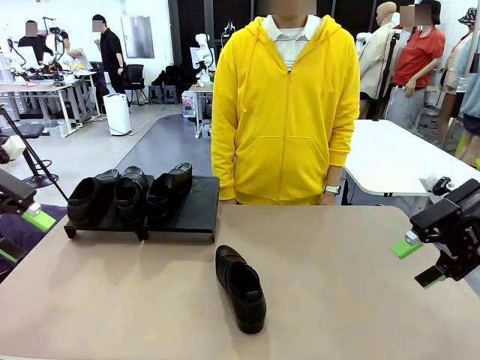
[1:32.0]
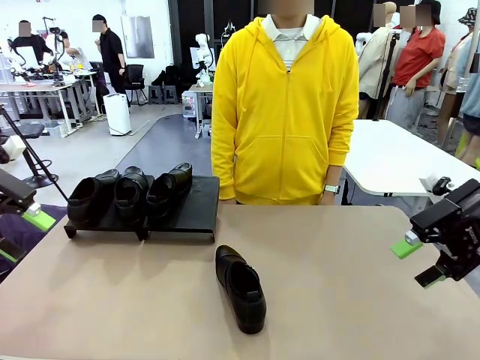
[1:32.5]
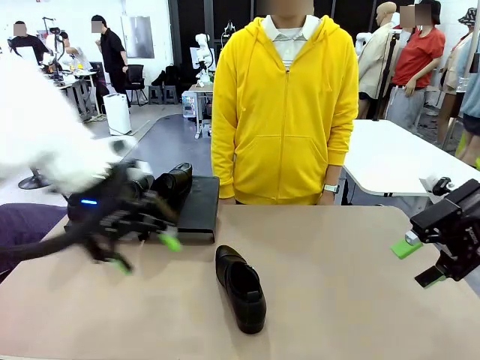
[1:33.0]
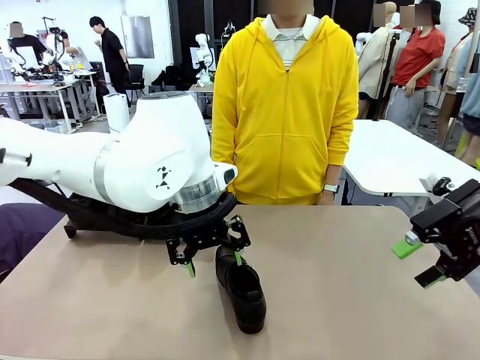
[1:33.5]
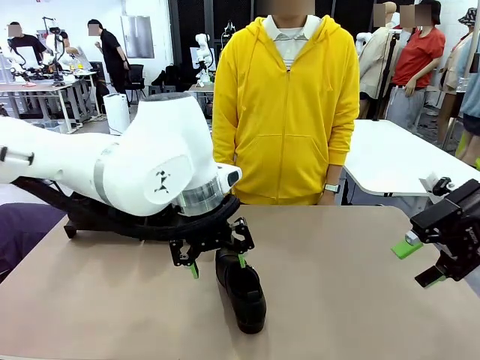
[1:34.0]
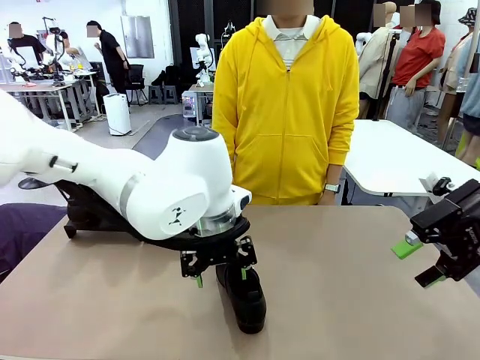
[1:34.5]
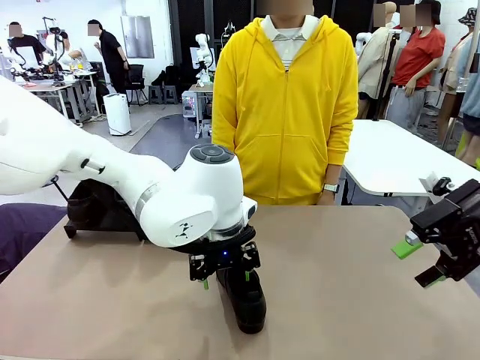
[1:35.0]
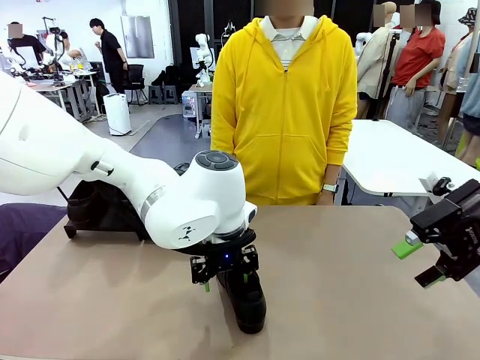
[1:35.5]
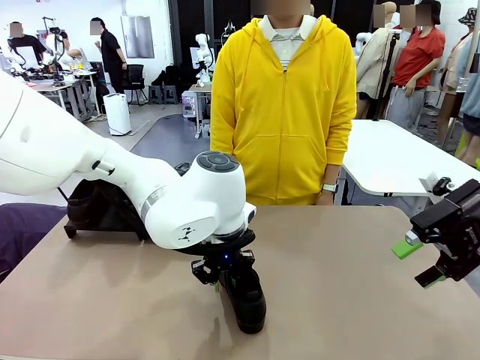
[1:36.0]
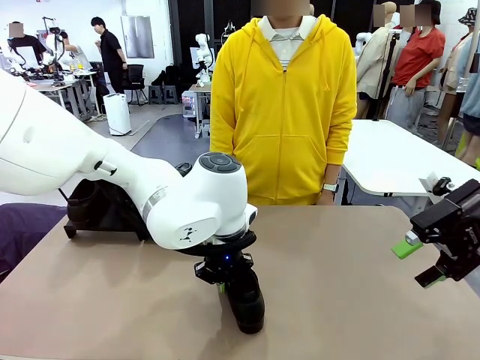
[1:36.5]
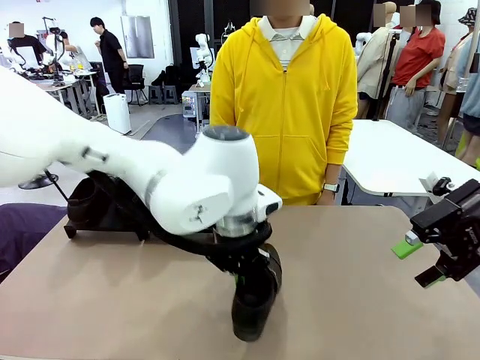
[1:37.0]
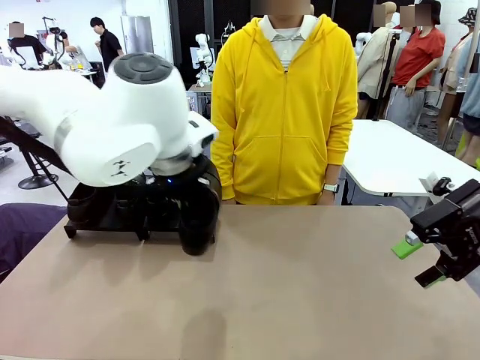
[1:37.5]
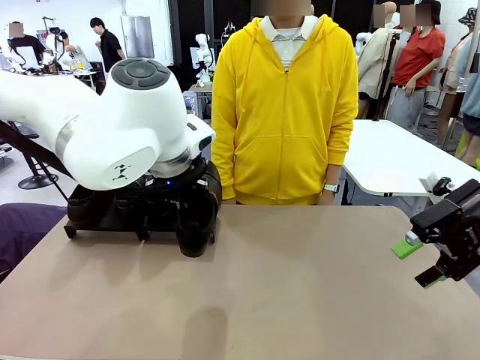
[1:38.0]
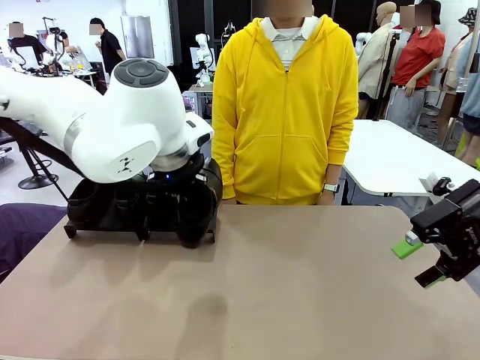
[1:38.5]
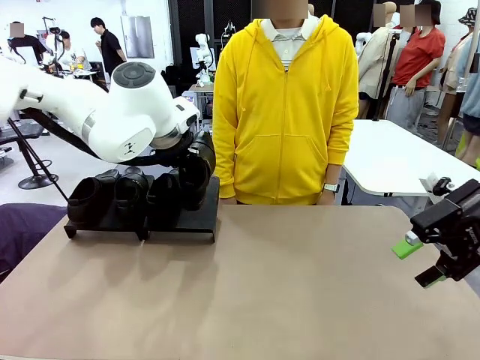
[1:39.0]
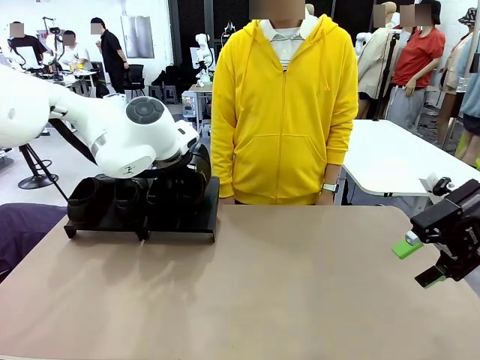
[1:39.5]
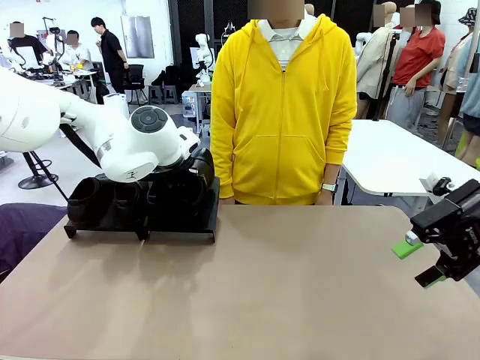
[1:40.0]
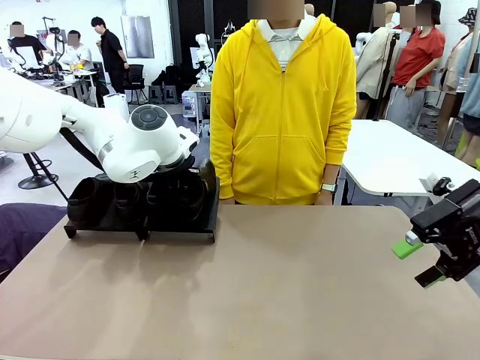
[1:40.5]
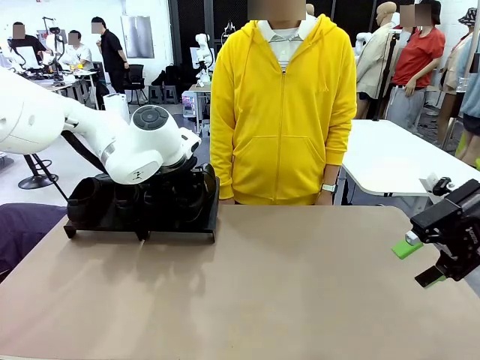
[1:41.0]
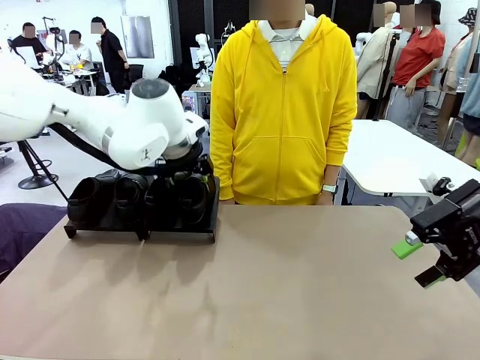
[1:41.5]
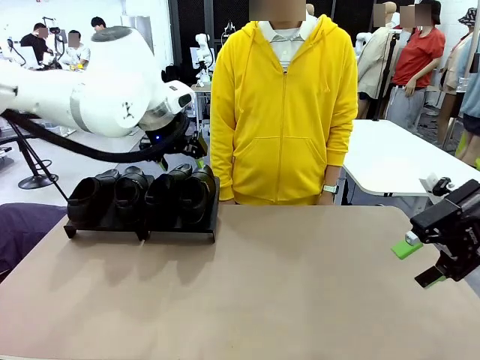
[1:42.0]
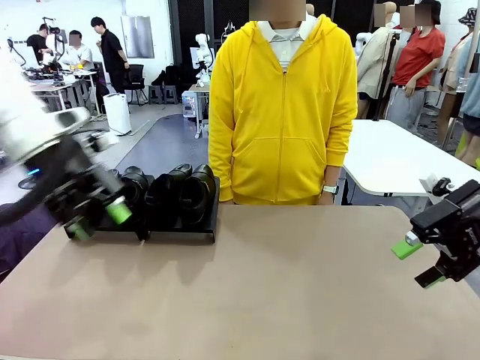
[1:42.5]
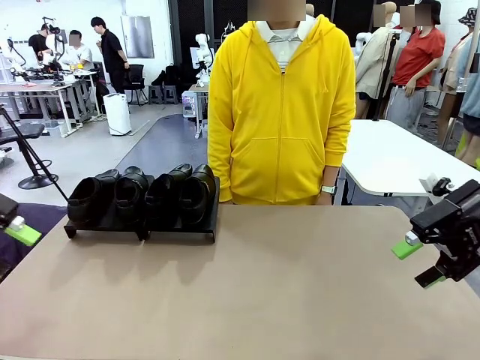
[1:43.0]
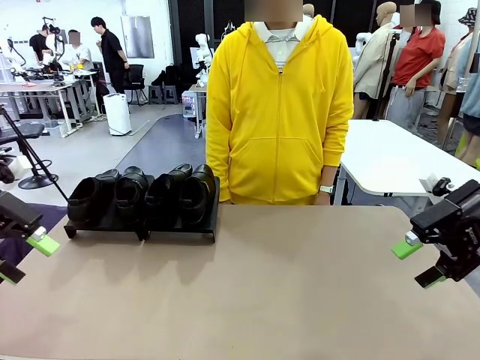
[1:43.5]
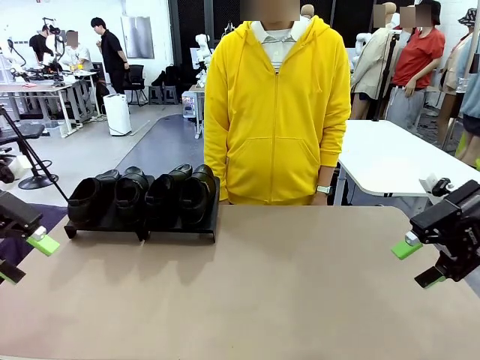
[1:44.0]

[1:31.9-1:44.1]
Task: Organize the shoes by placing them on the stand.
Robot: Place the Shoe from the middle of the table onto the Shoes Stand.

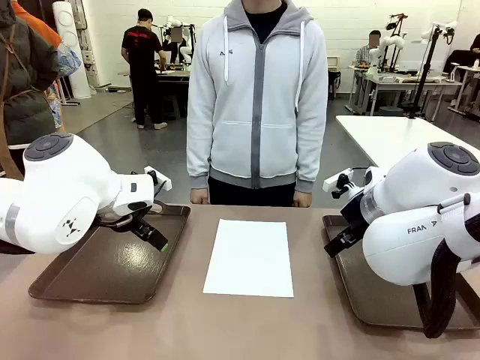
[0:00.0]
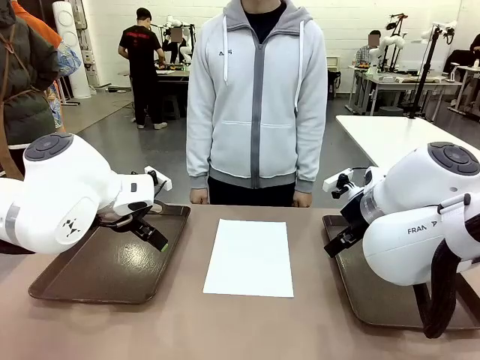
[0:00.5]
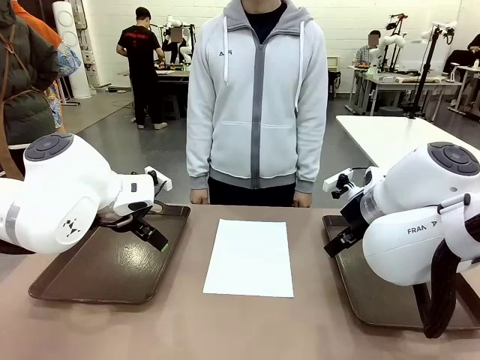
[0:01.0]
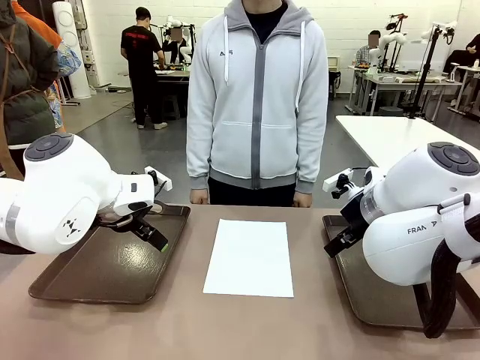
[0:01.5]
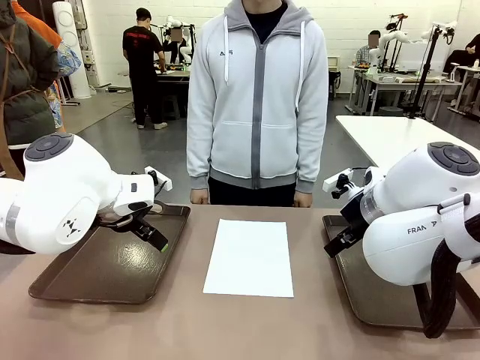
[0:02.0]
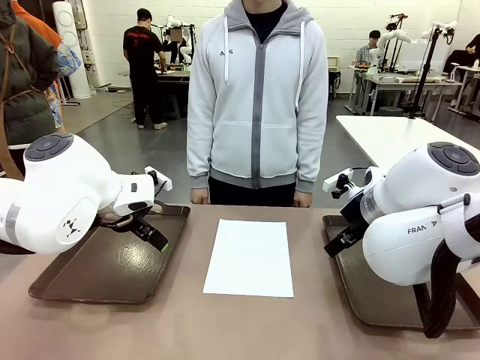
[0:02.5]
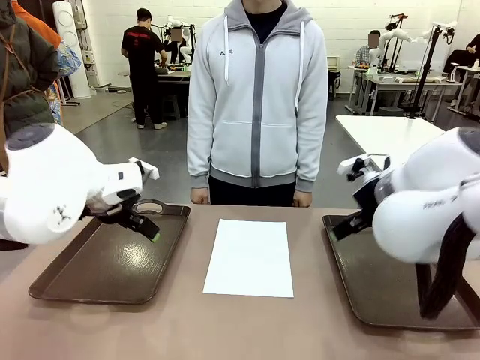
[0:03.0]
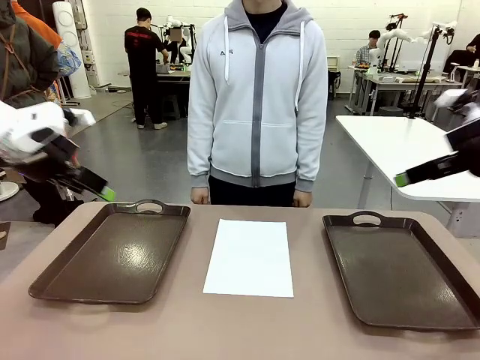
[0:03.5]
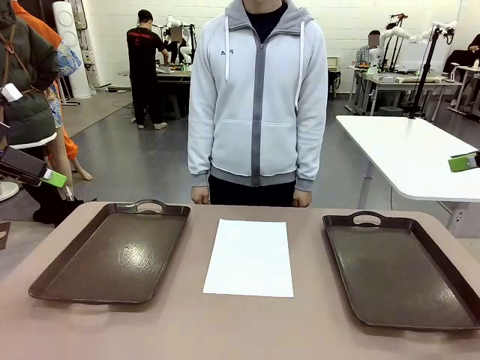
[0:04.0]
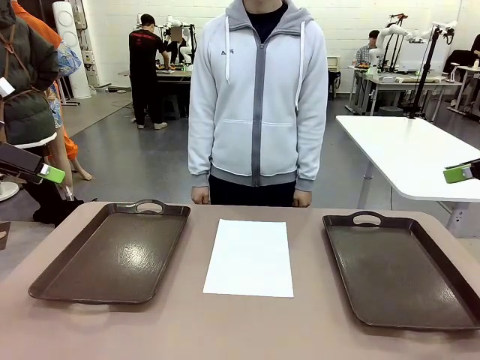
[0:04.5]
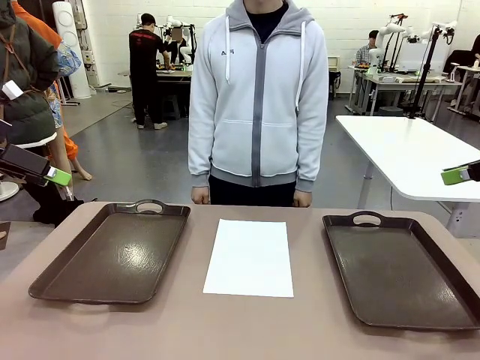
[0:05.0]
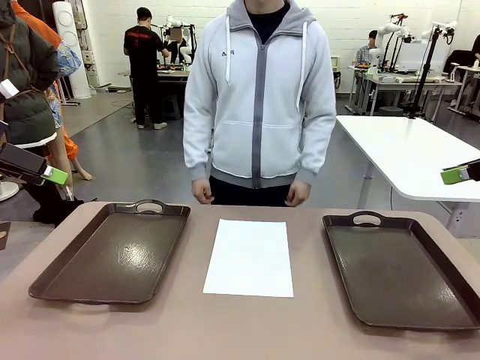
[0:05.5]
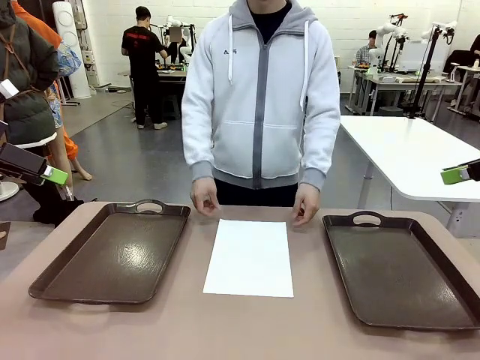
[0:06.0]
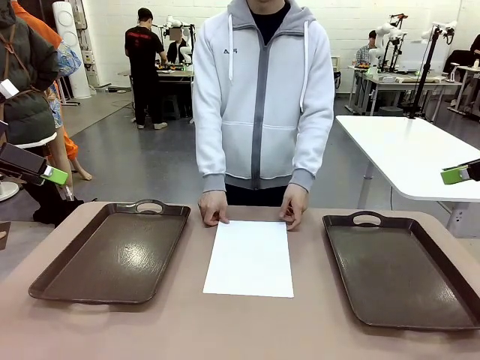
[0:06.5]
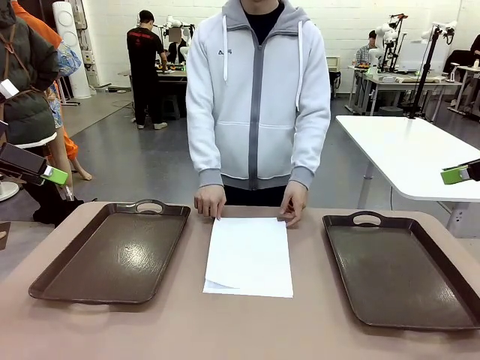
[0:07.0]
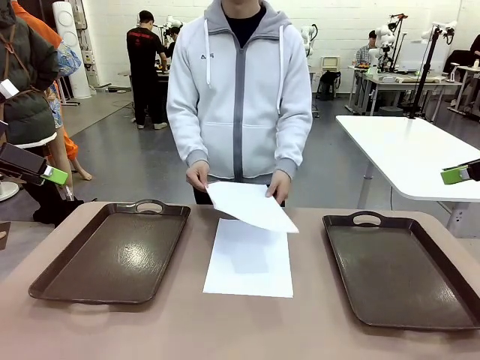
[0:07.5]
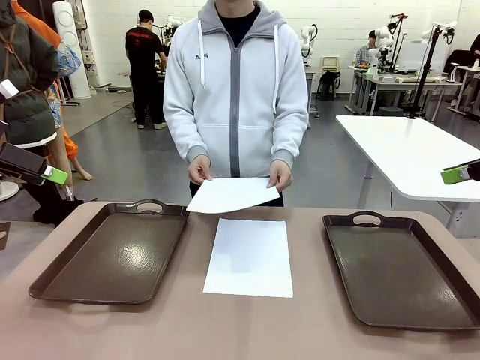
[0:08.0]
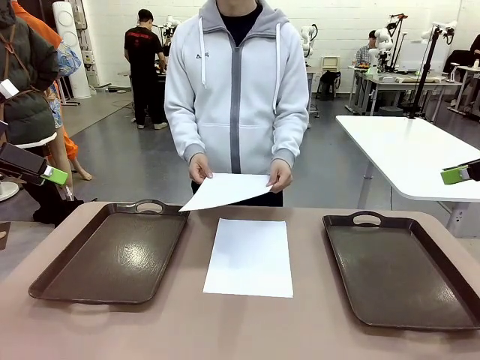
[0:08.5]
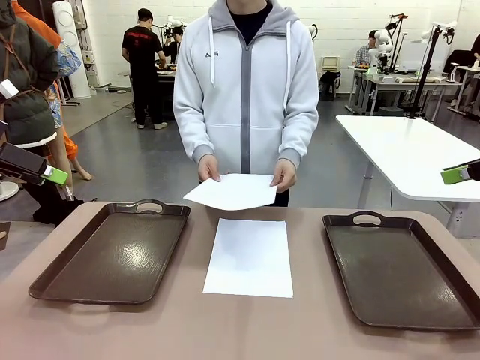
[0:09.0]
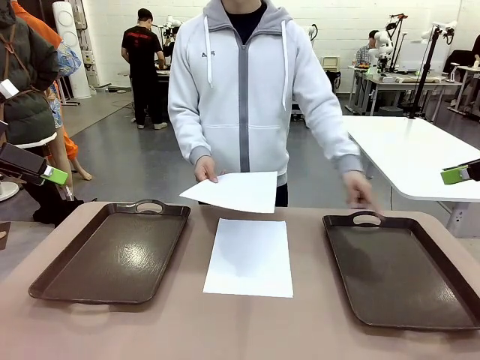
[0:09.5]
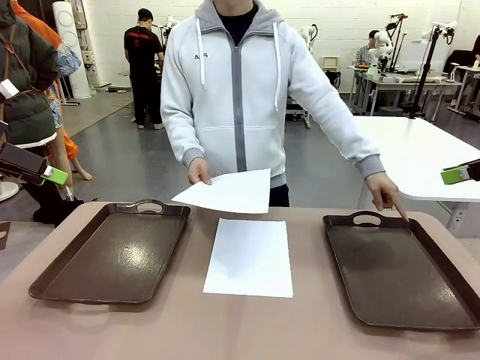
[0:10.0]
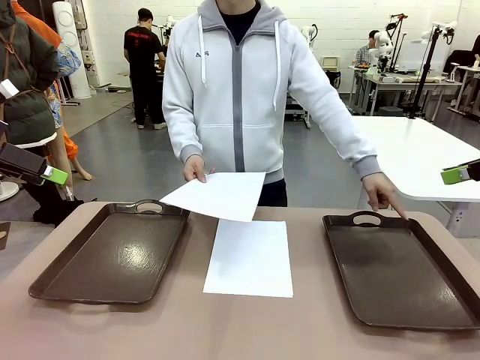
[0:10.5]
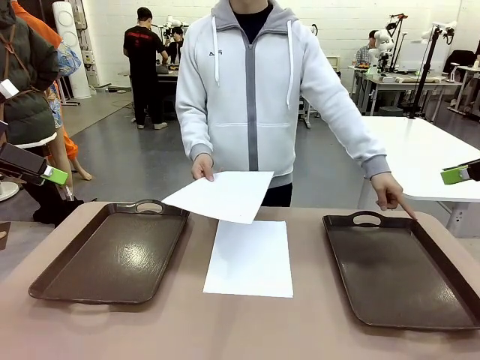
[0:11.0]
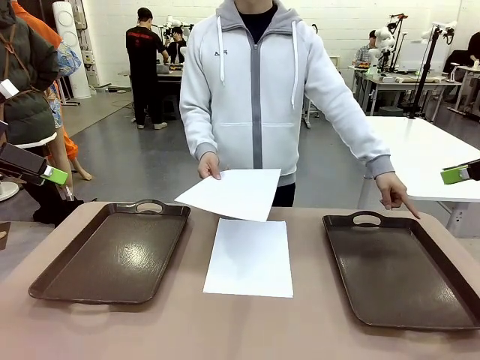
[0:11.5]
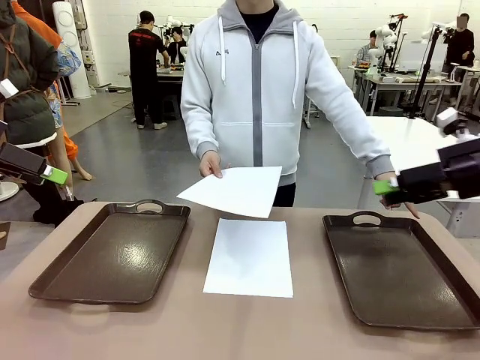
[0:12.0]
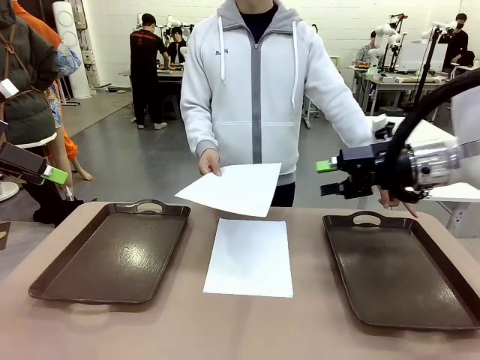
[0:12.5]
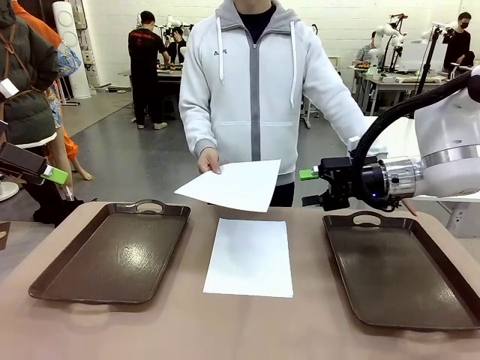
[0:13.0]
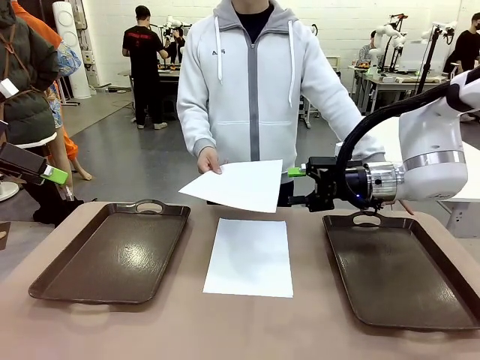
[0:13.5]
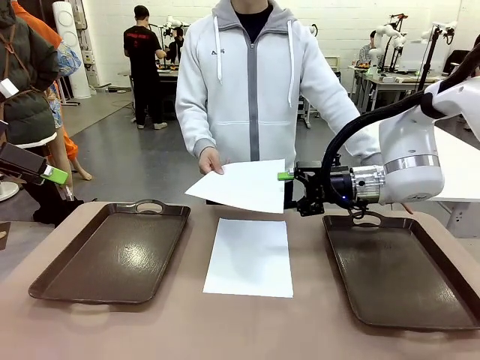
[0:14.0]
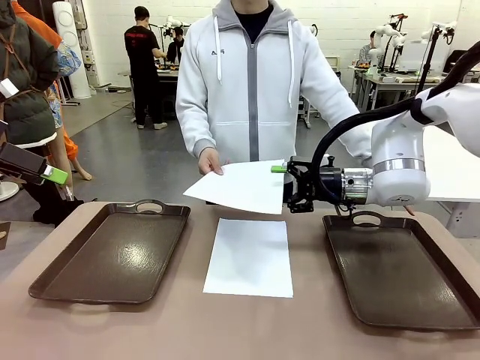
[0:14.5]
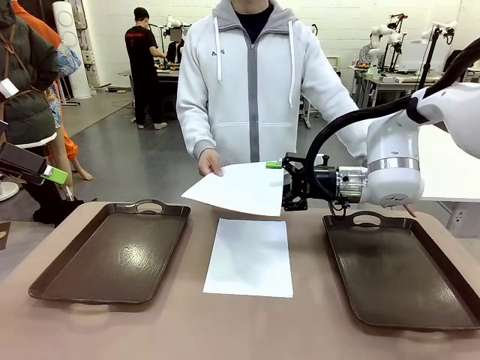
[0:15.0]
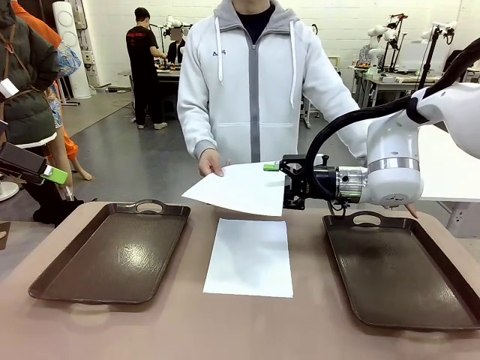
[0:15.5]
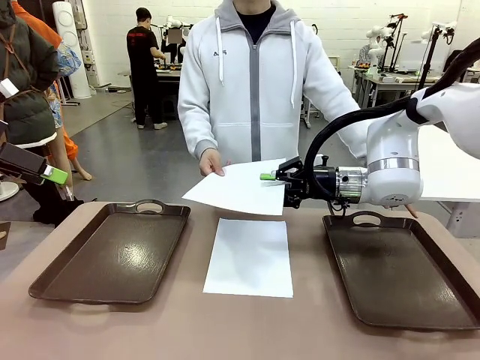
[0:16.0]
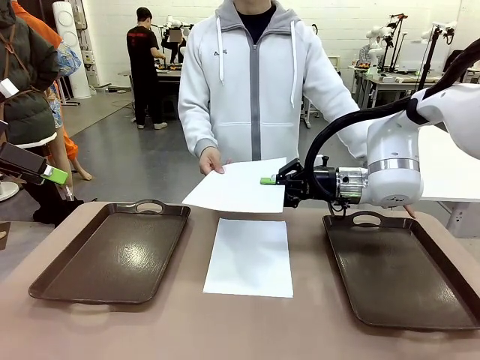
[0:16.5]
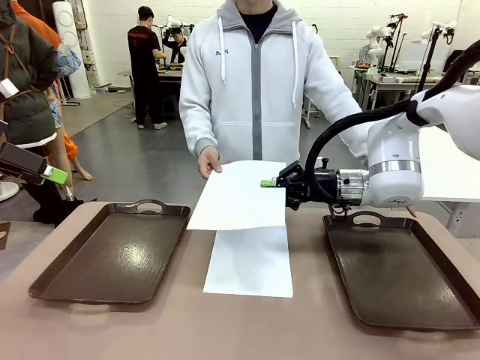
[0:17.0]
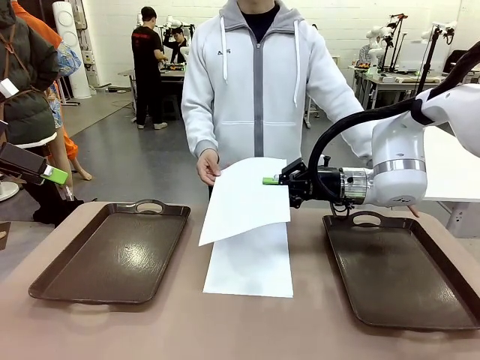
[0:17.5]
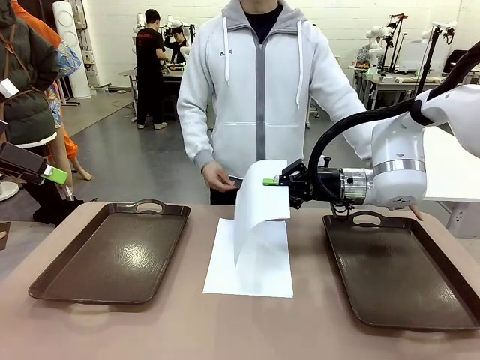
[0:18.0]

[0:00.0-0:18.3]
Task: Sort the A4 documents.
Robot: Receive the A4 Paper.
Person: Pick up a sheet of paper from the center of the table and hand it to the robot. Point the randomly selected tray with the other hand.
